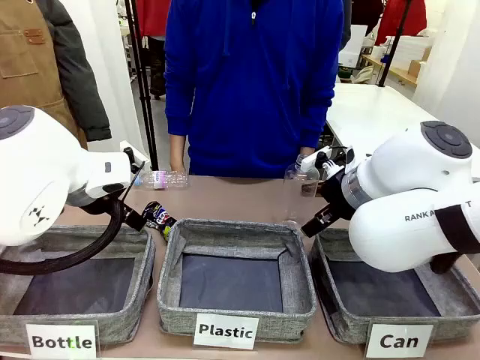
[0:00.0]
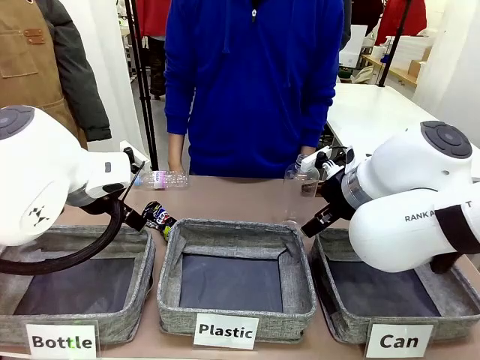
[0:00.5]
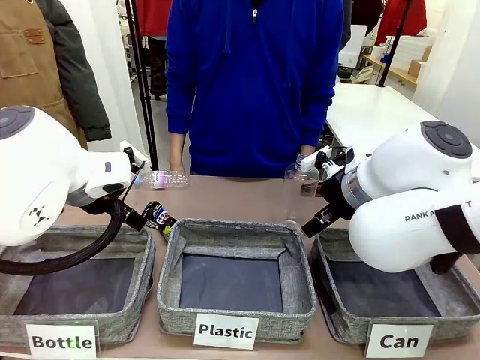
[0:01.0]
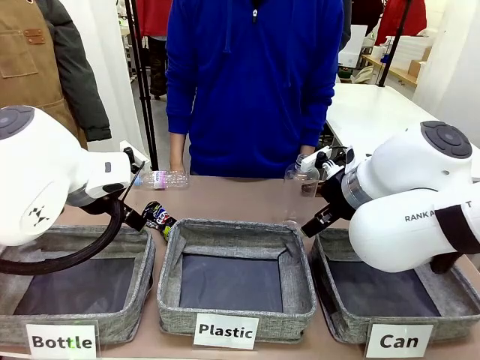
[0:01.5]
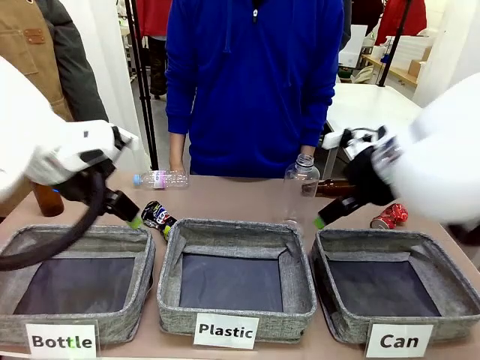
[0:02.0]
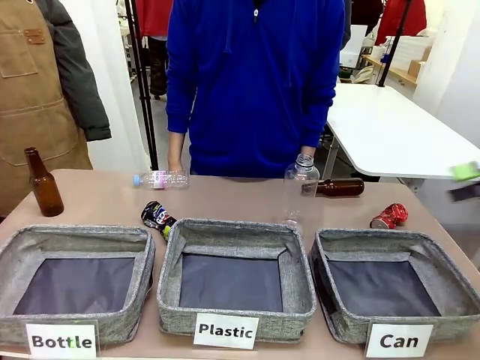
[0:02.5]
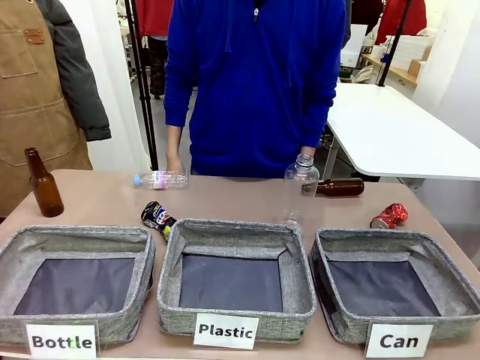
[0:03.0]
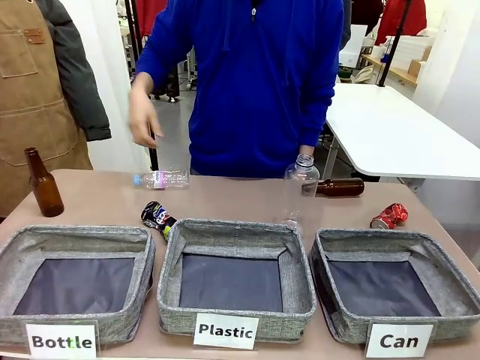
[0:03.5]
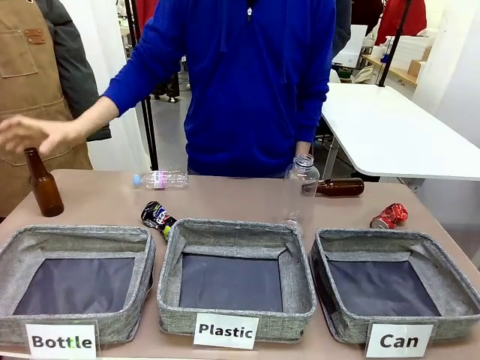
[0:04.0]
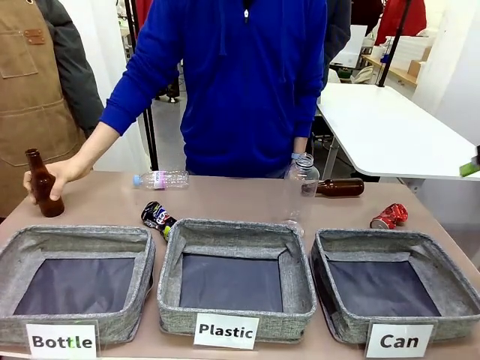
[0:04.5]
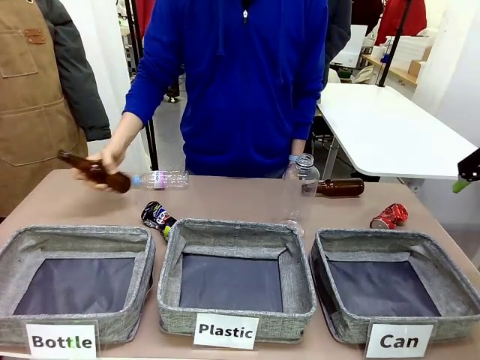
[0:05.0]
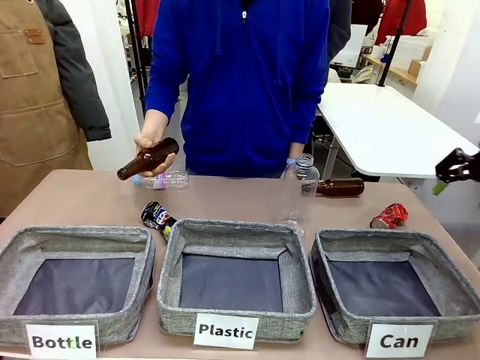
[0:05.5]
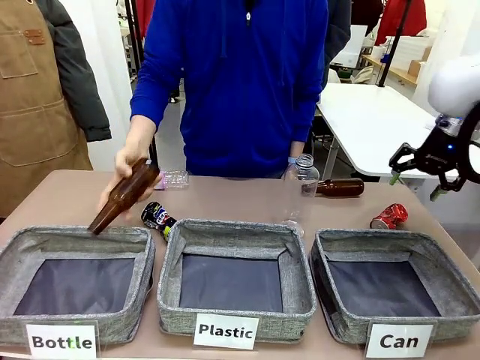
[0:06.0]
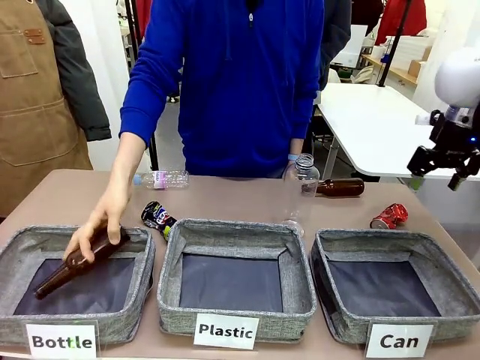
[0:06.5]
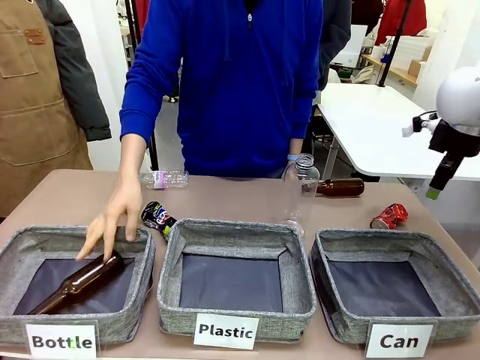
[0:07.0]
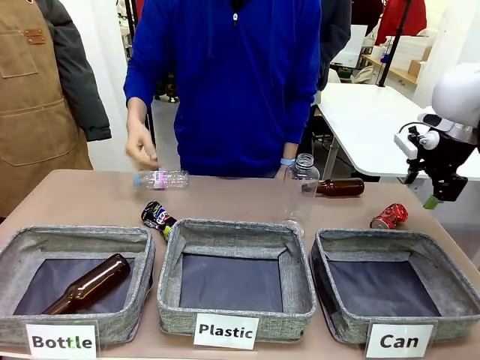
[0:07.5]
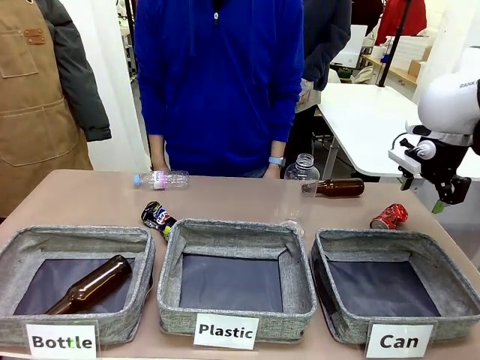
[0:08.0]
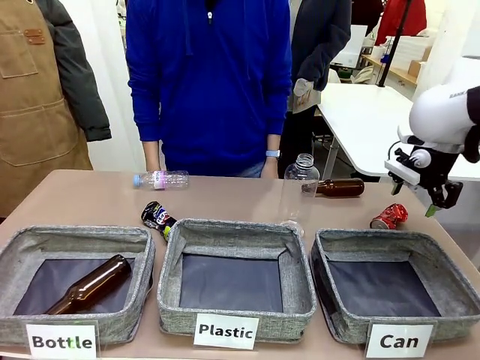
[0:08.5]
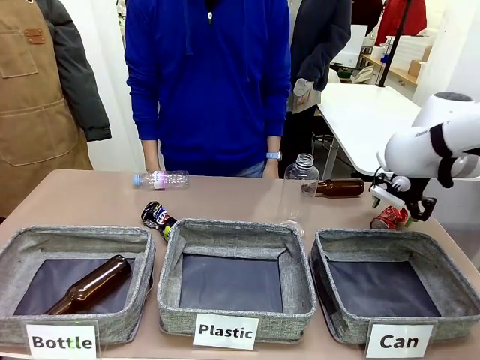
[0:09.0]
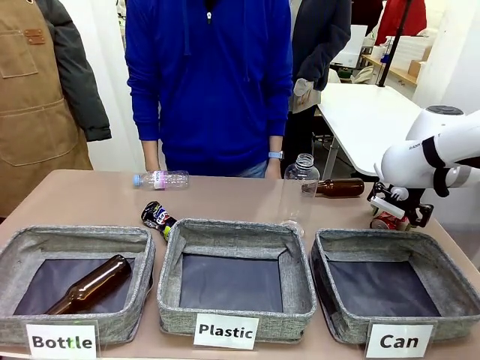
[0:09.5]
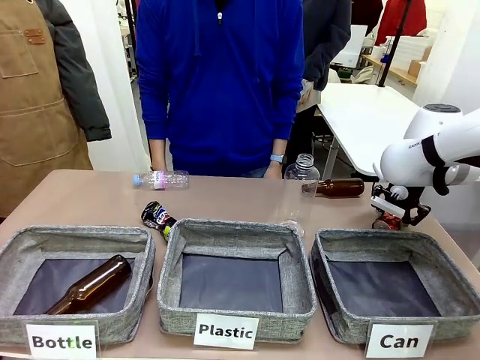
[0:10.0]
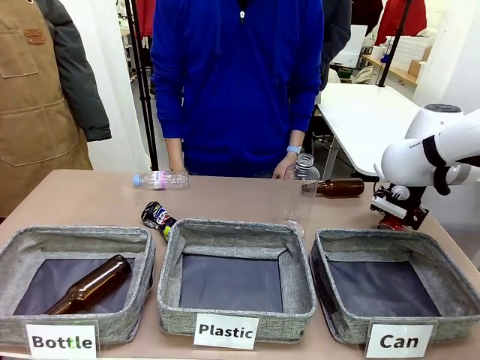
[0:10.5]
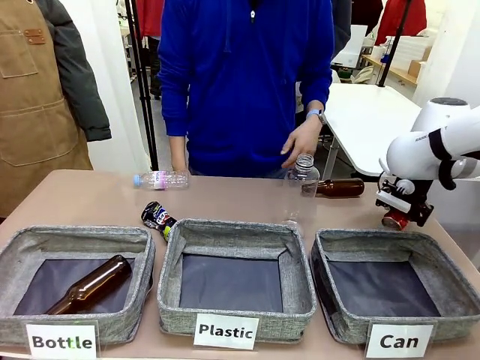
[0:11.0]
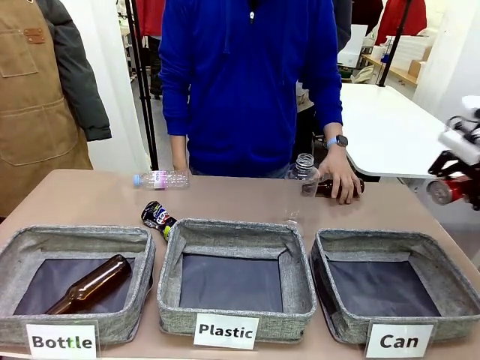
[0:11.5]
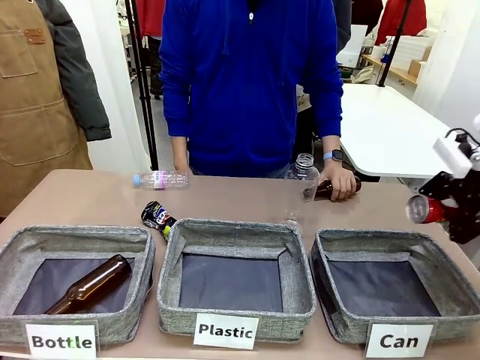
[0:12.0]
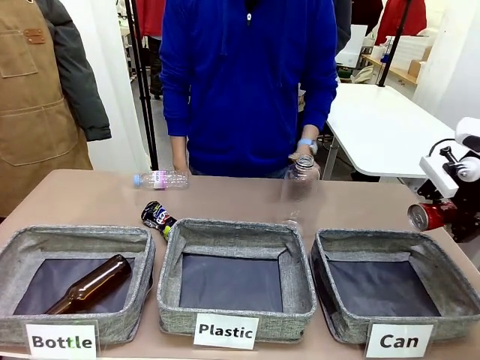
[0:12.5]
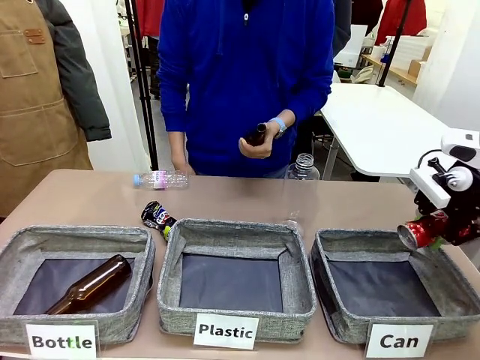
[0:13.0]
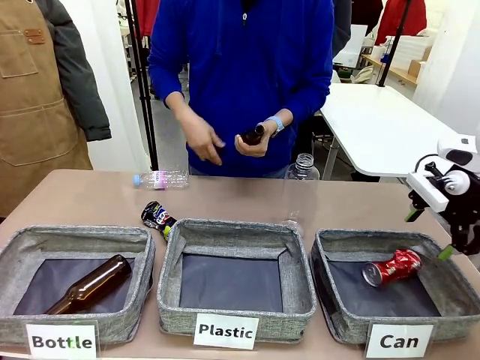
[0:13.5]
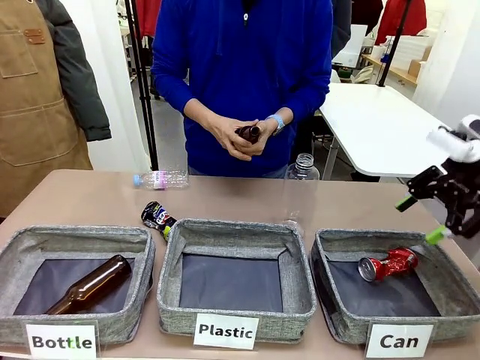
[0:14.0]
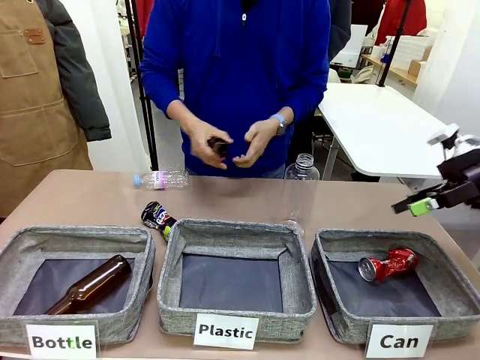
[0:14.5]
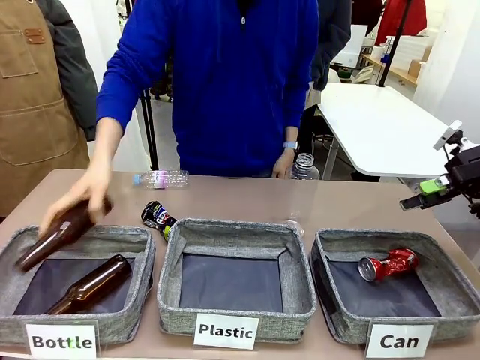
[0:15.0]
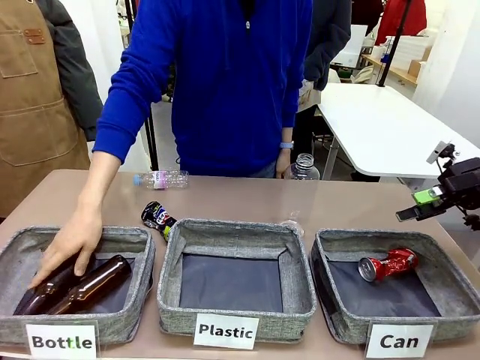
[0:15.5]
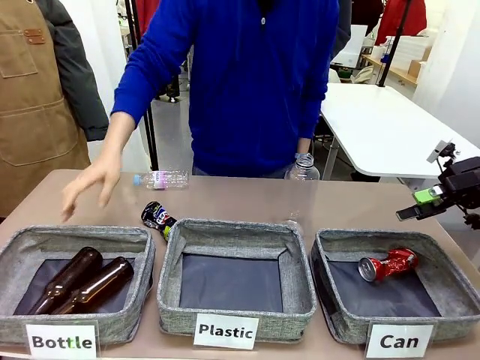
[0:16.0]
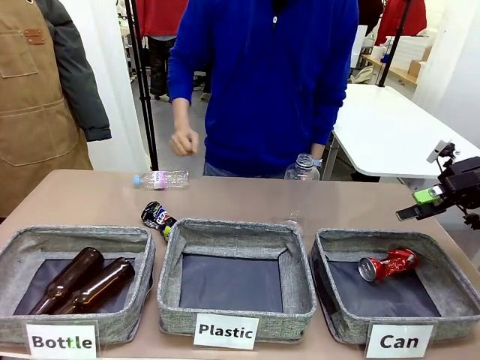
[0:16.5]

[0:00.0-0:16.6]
Task: Sort the can waste into the basket.
Robot: Pick up the can waste from the table and place it in the right Fabric basket.

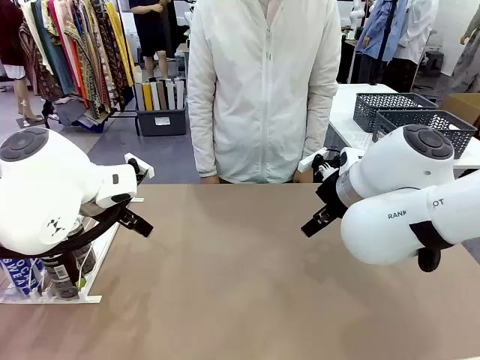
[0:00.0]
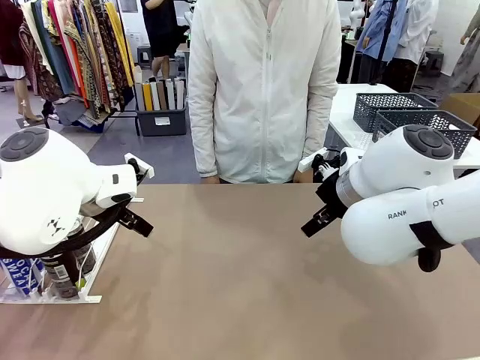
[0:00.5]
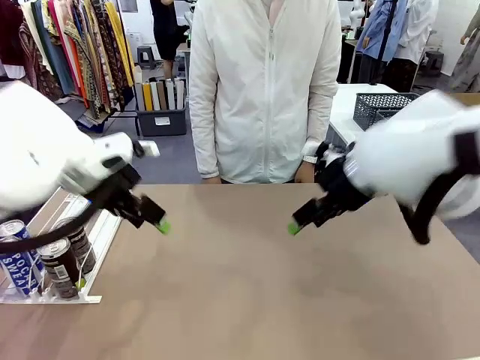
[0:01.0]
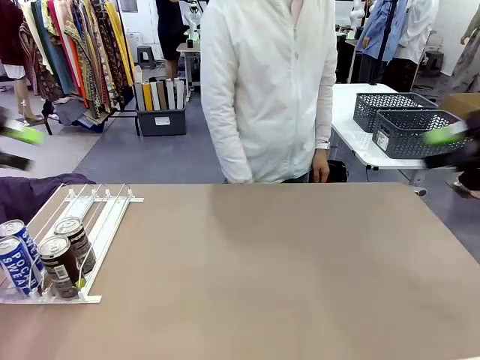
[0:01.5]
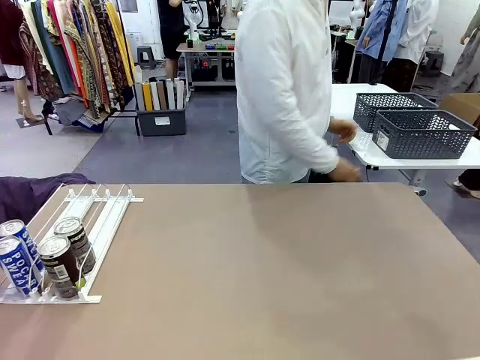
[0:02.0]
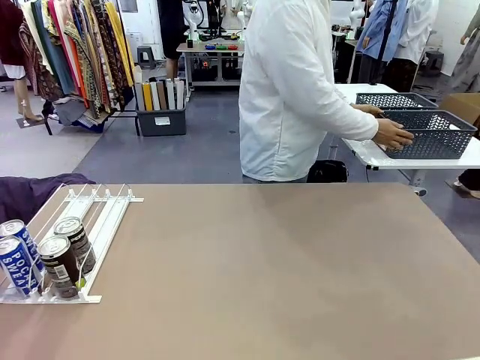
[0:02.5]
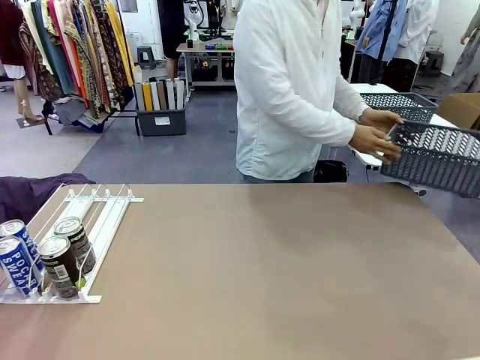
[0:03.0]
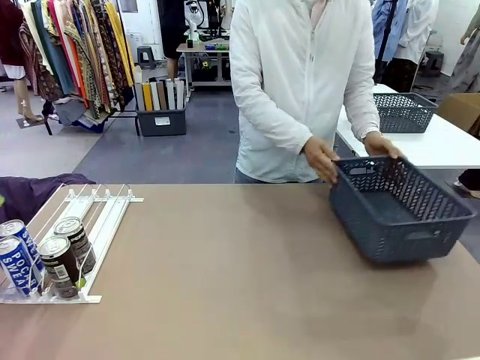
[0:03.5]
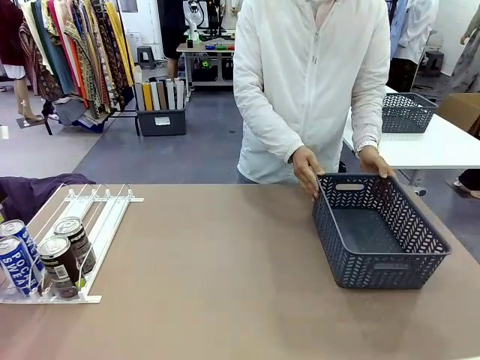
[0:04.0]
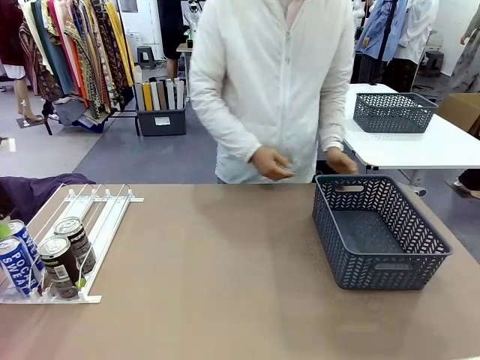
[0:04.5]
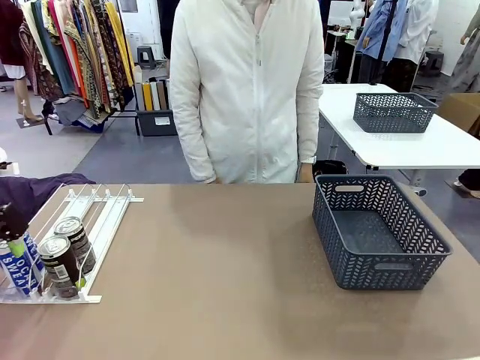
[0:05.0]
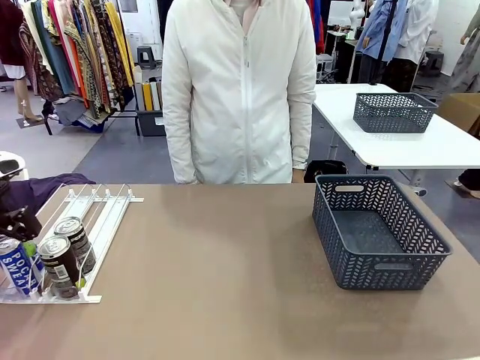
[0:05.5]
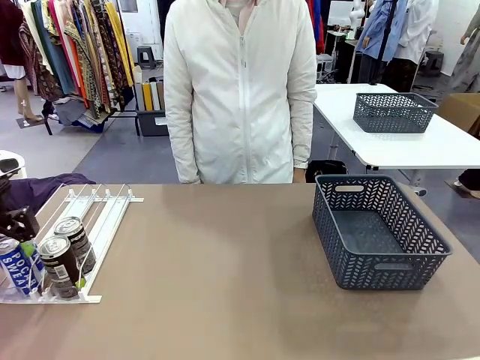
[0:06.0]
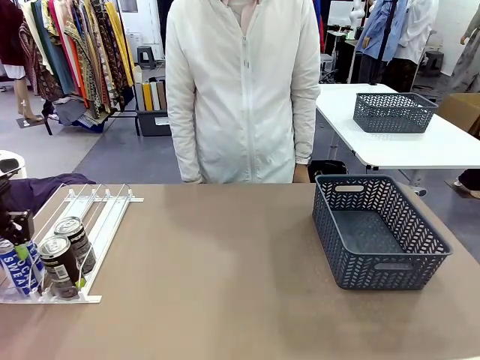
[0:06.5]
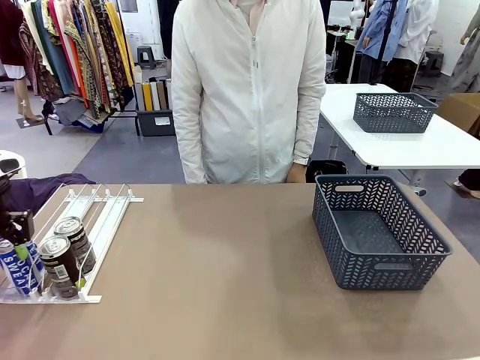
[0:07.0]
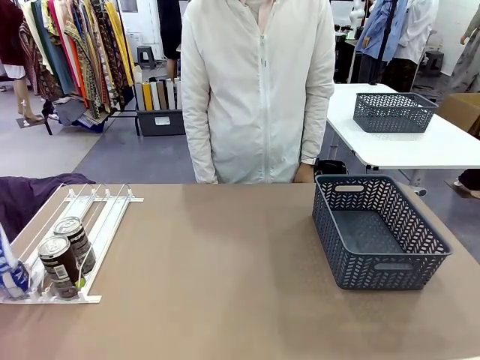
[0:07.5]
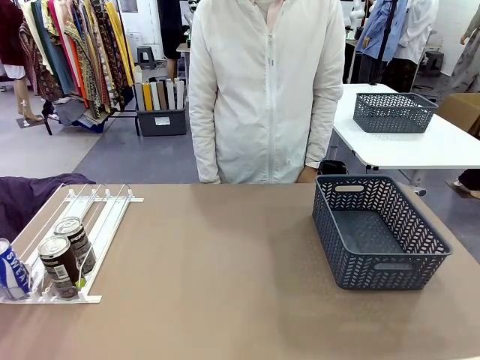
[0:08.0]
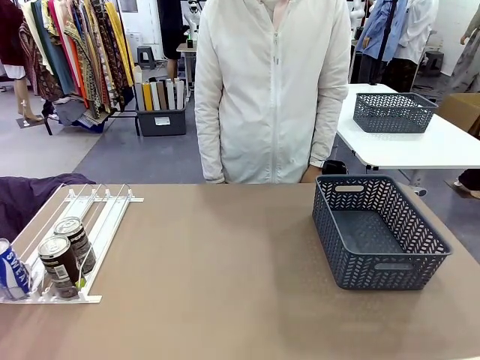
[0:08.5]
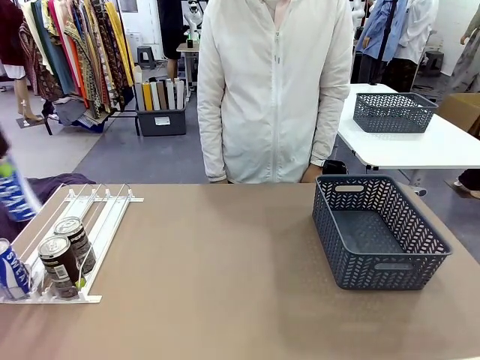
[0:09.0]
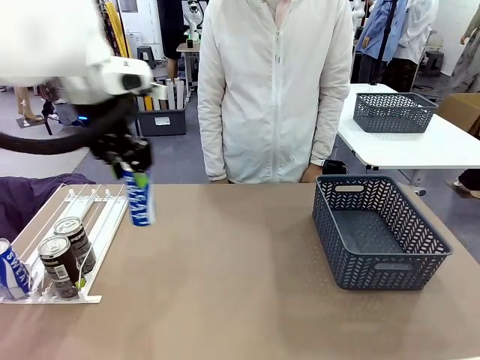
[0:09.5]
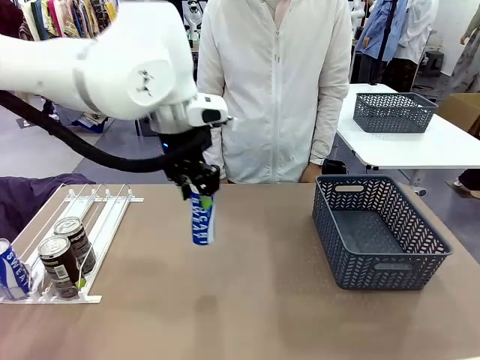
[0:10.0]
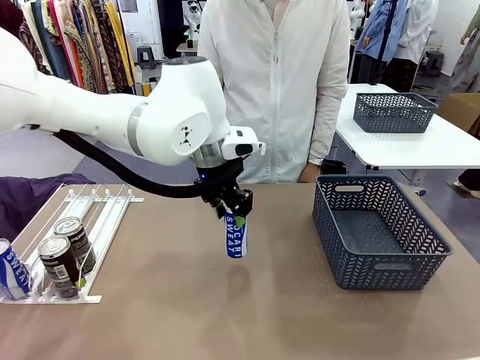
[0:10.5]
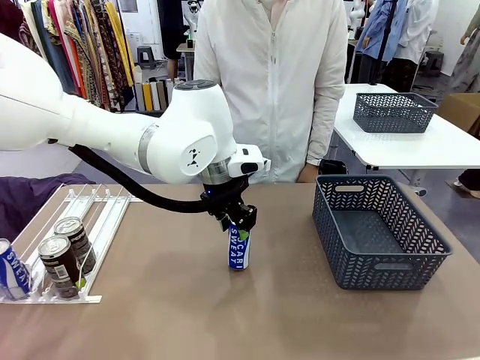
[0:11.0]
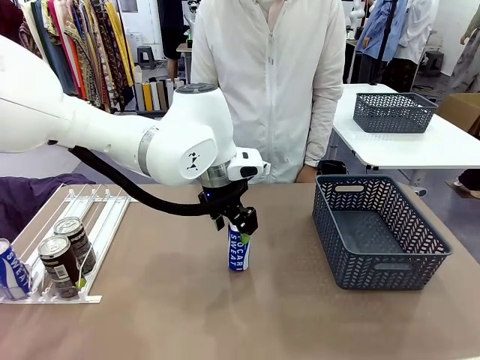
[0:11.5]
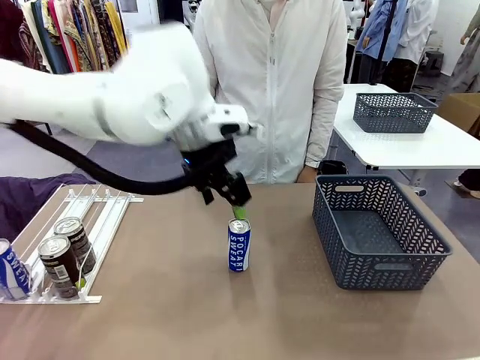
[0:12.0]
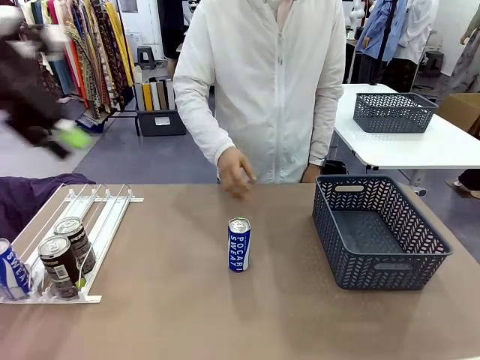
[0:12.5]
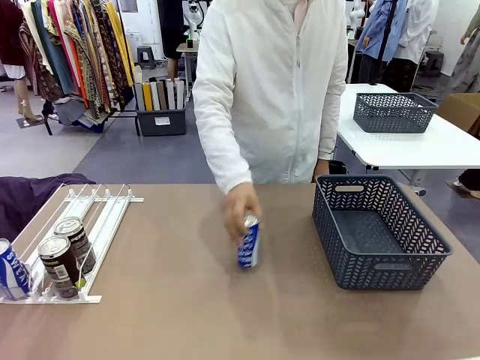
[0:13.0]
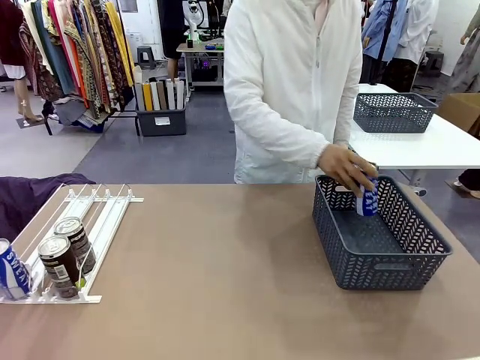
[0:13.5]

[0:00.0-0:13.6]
Task: Retrieve and store the cans from the dispenser.
Robot: Pick up one can from the Automatic Can Dispenser and place it in the middle of the table.
Person: Pick up the basket and place it on the left side of the robot table.
